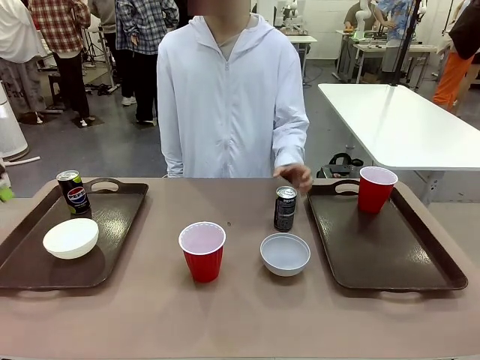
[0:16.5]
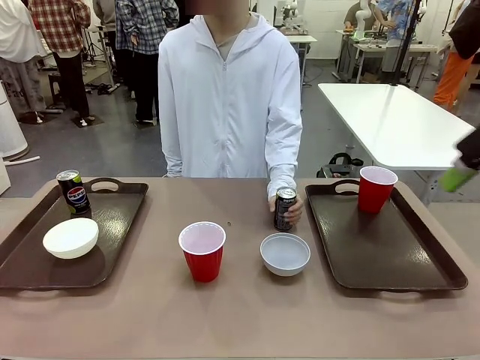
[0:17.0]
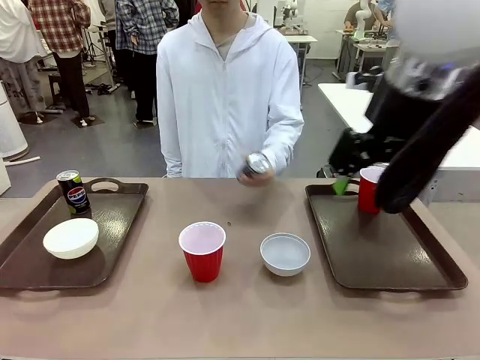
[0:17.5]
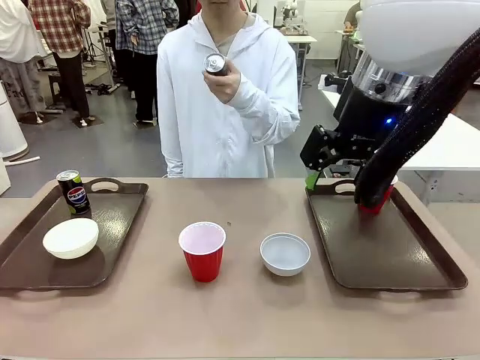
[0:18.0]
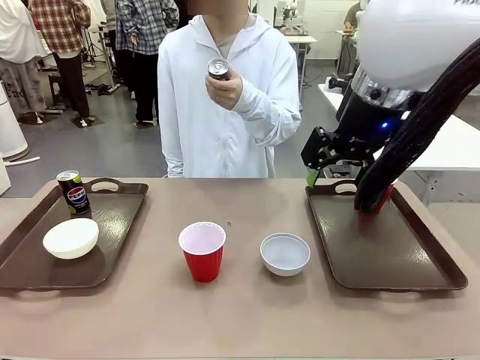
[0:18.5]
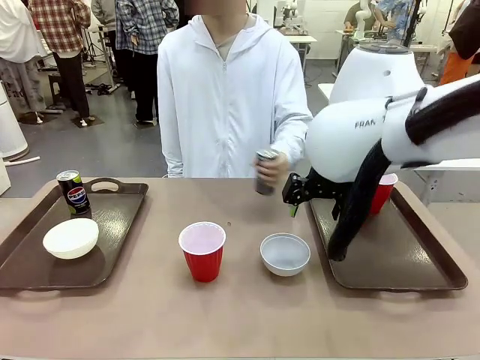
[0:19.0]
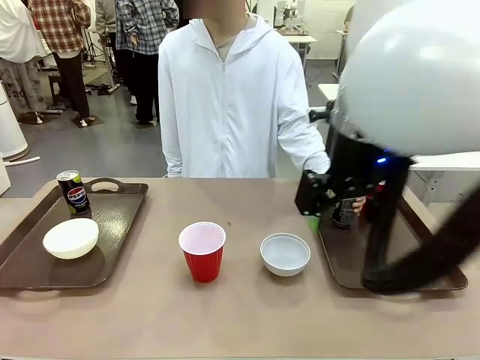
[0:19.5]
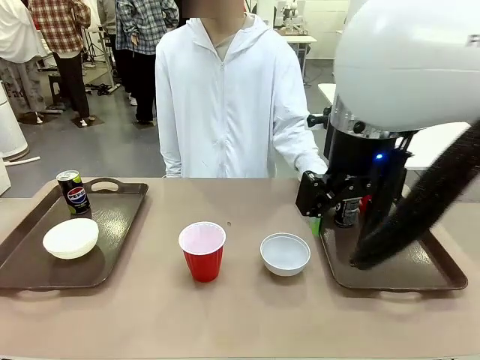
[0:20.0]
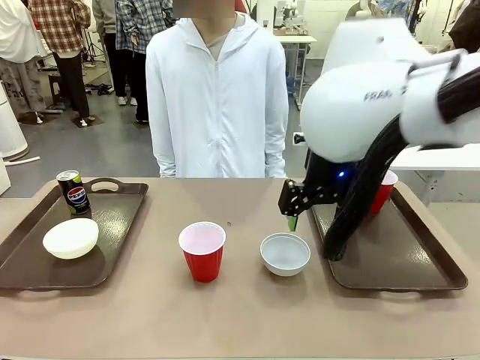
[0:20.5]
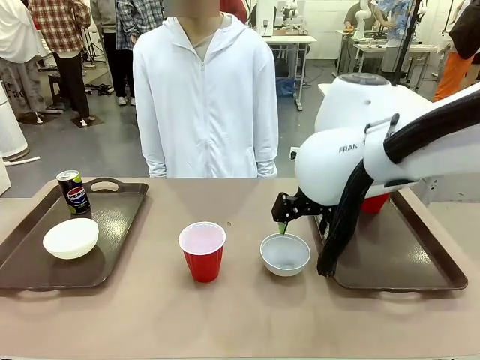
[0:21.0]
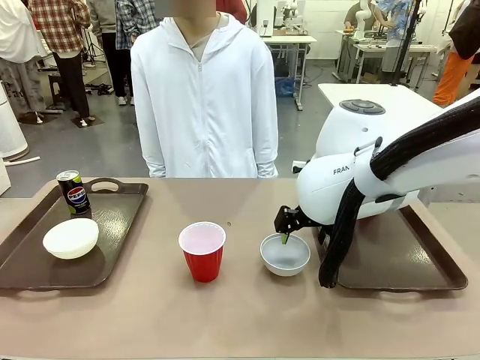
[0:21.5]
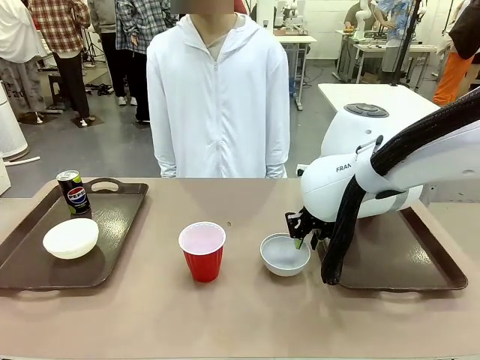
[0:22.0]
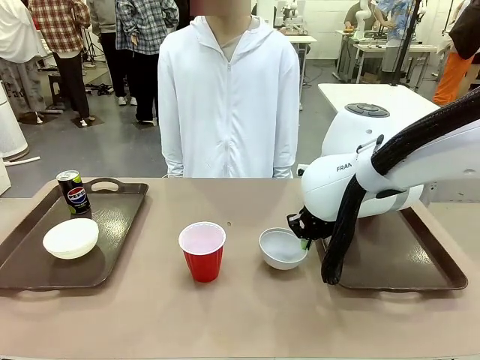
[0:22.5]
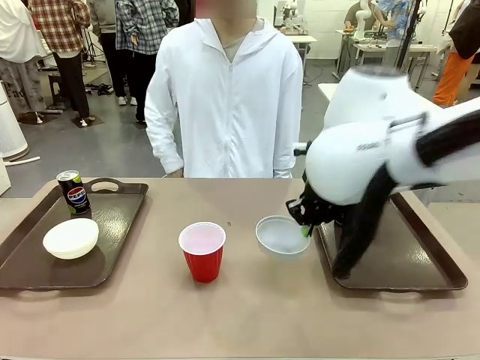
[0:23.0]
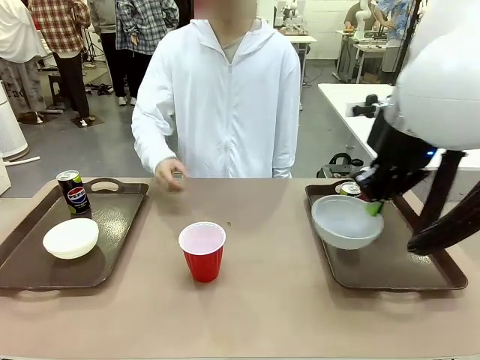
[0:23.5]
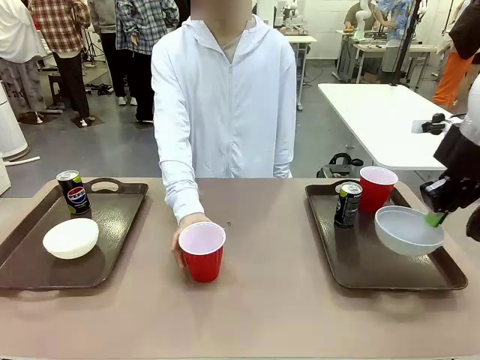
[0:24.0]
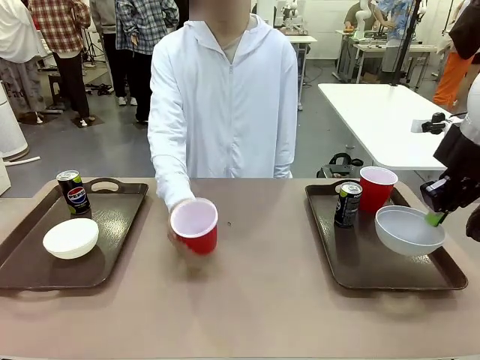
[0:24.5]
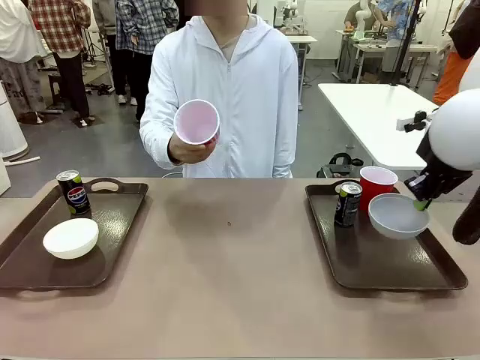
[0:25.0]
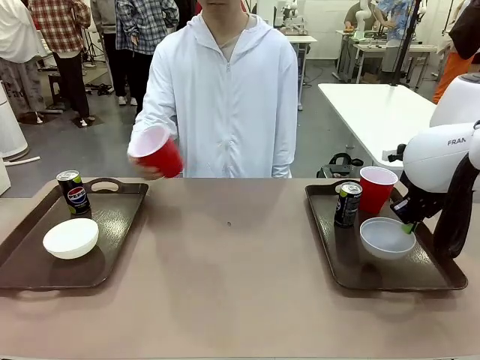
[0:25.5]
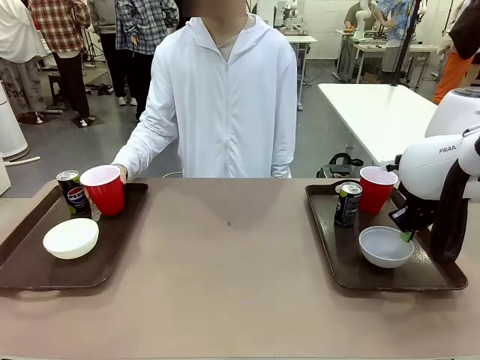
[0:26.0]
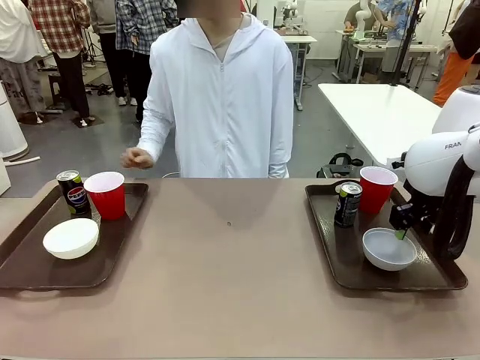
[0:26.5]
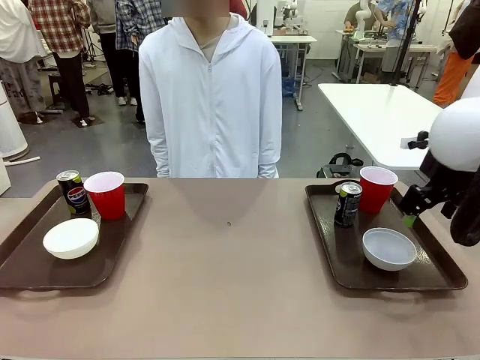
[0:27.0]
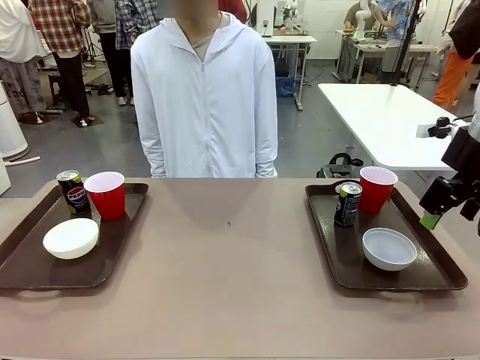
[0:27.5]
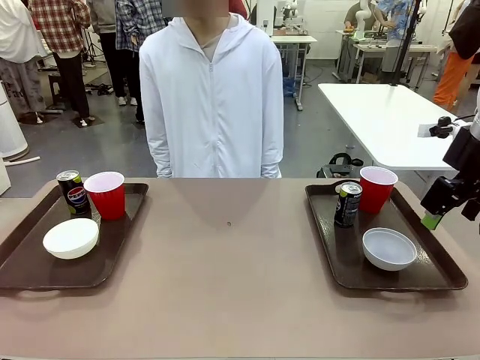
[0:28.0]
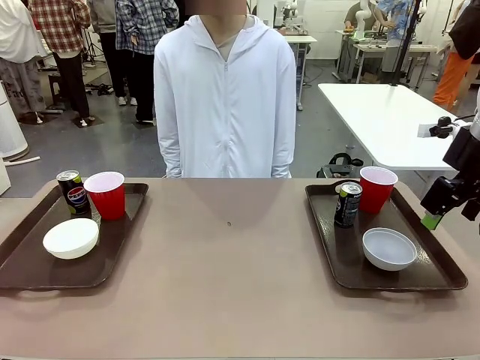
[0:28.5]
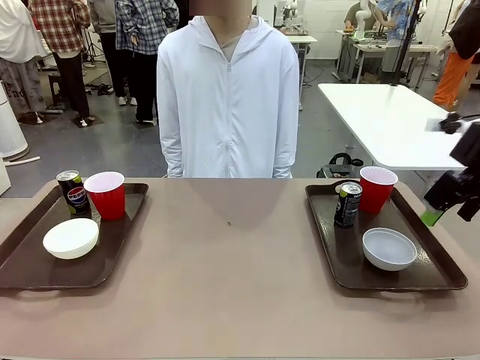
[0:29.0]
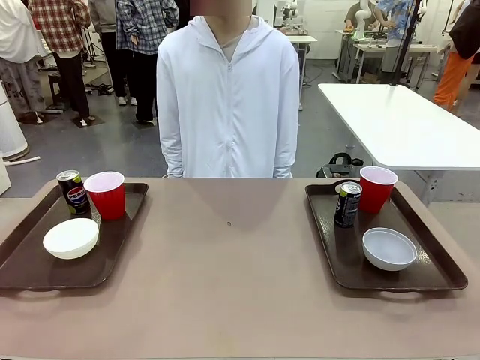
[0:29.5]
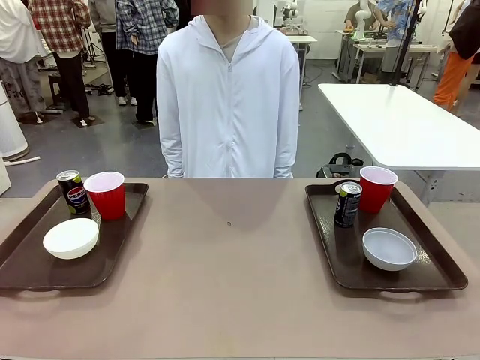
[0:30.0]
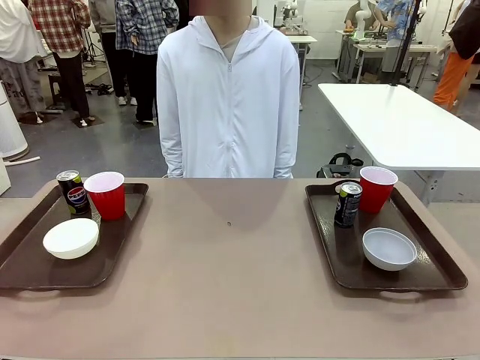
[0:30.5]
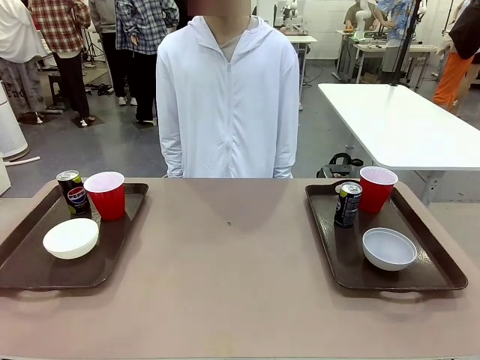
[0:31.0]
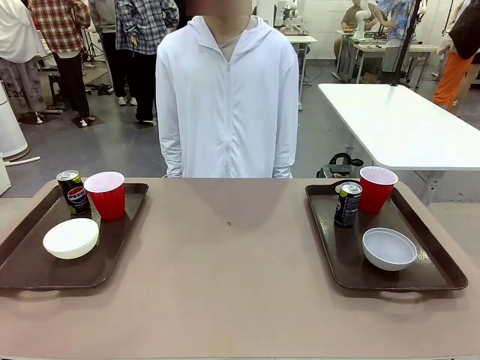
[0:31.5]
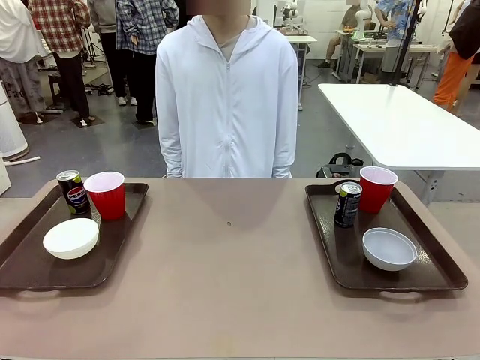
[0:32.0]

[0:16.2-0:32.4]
Task: Prepare tableware on both trays.
Robot: Pick up a Picnic Bowl from the table and place it on a Handle tray.
Person: Pick up a can or cup and place it on the tray without a can or cup.
